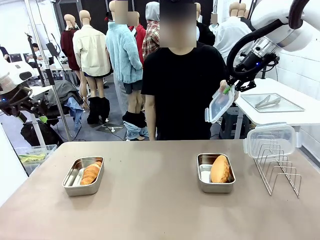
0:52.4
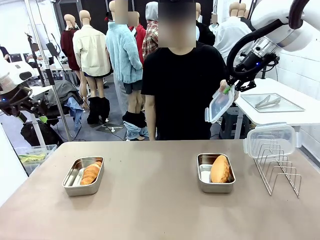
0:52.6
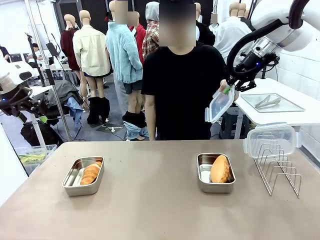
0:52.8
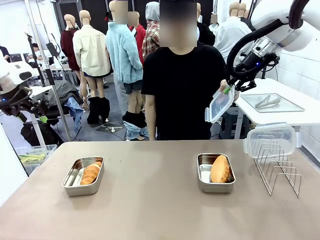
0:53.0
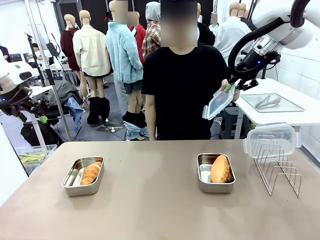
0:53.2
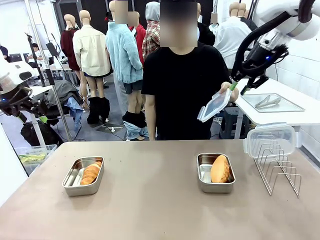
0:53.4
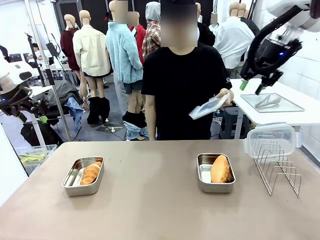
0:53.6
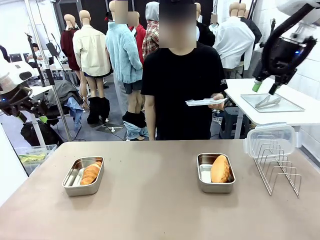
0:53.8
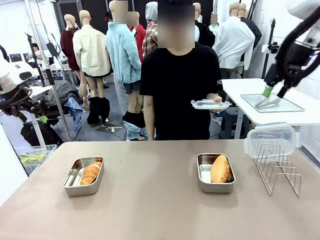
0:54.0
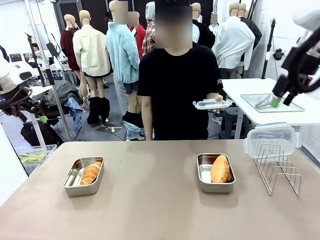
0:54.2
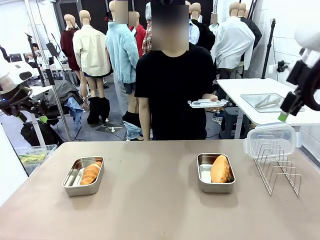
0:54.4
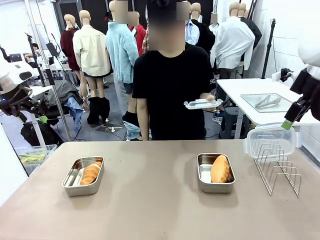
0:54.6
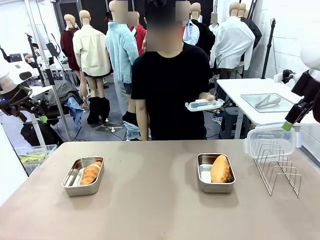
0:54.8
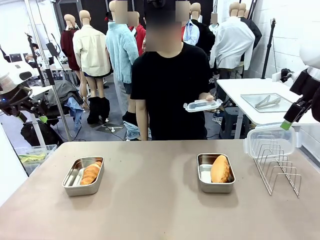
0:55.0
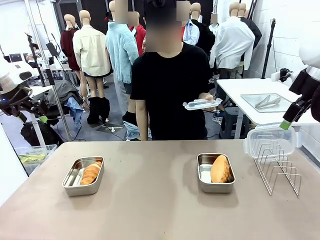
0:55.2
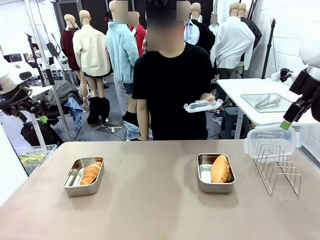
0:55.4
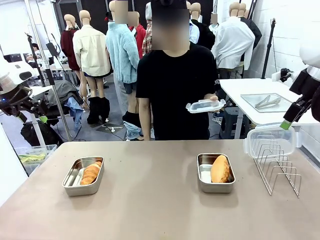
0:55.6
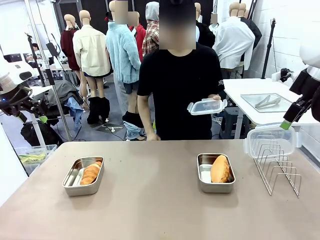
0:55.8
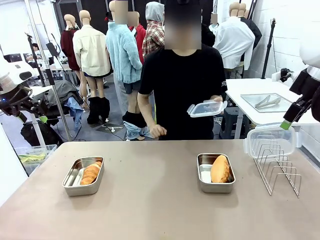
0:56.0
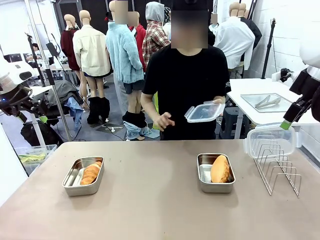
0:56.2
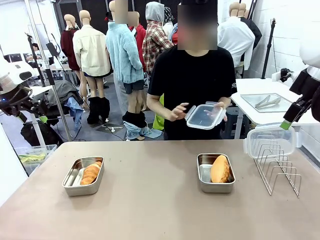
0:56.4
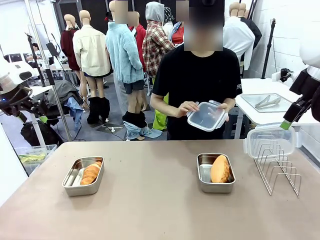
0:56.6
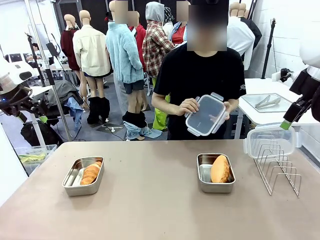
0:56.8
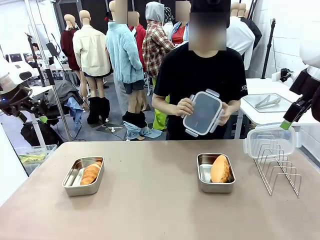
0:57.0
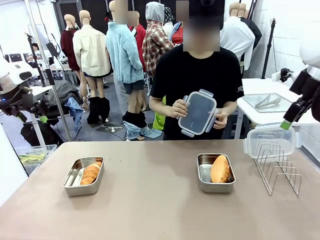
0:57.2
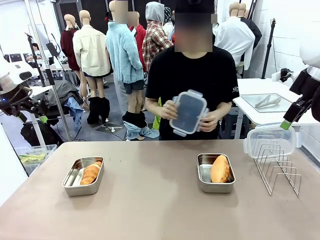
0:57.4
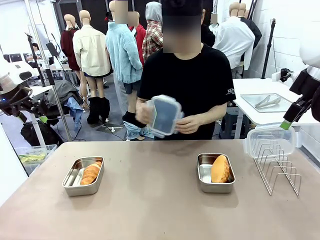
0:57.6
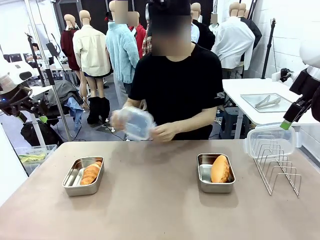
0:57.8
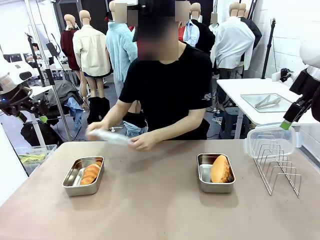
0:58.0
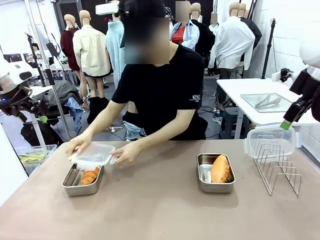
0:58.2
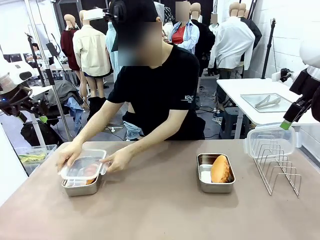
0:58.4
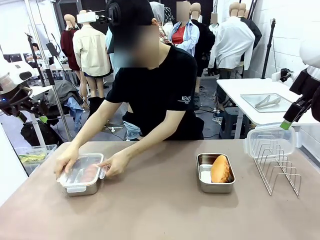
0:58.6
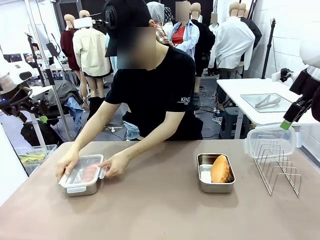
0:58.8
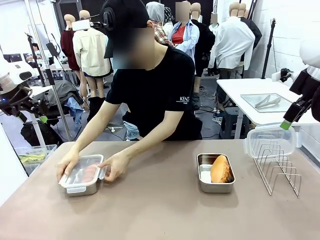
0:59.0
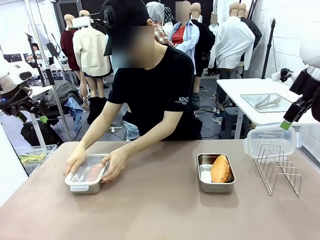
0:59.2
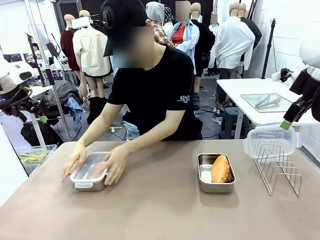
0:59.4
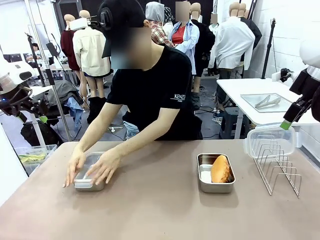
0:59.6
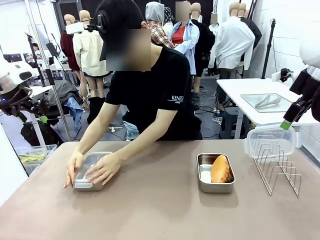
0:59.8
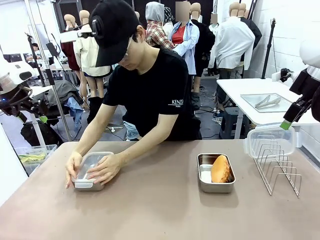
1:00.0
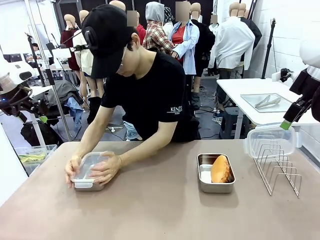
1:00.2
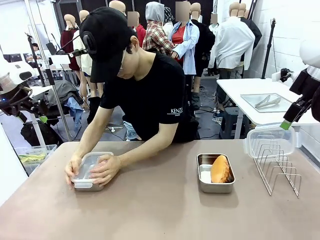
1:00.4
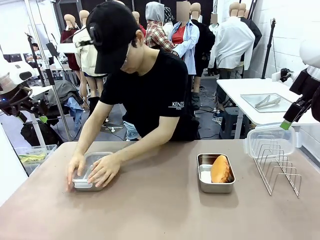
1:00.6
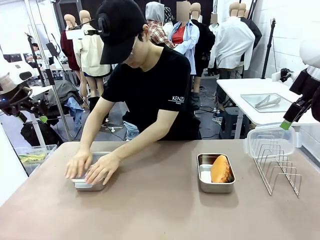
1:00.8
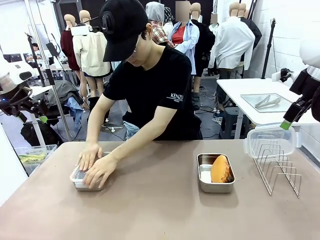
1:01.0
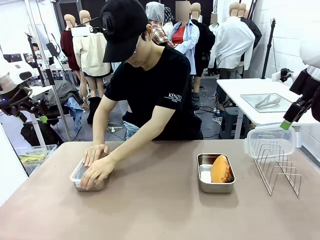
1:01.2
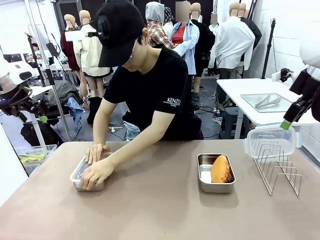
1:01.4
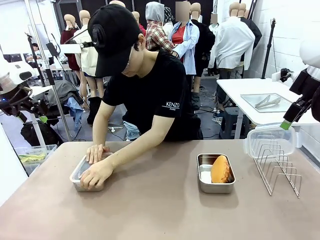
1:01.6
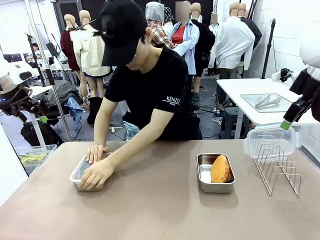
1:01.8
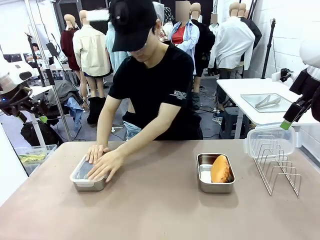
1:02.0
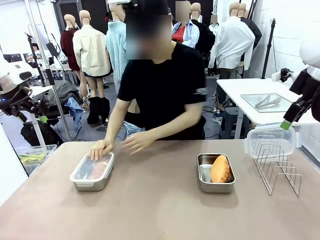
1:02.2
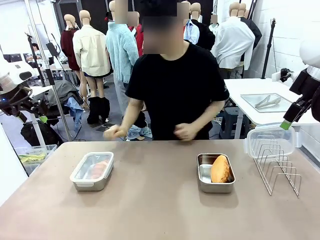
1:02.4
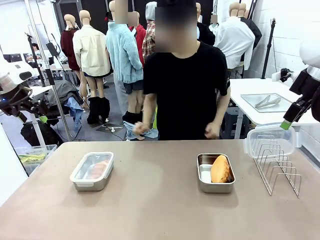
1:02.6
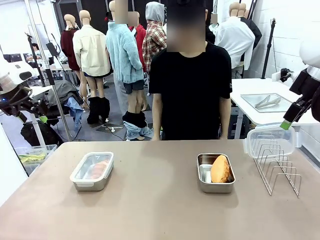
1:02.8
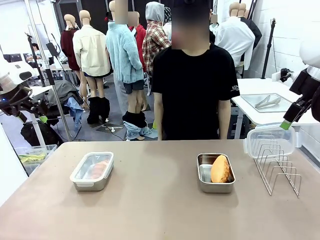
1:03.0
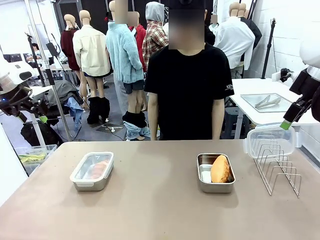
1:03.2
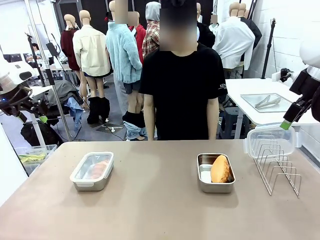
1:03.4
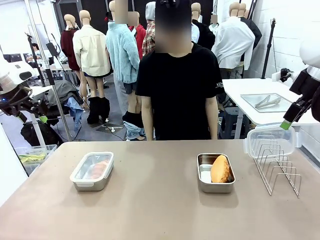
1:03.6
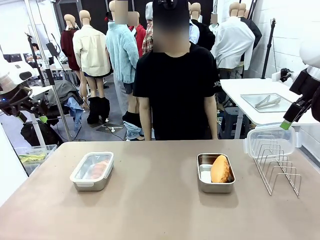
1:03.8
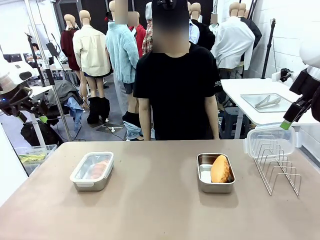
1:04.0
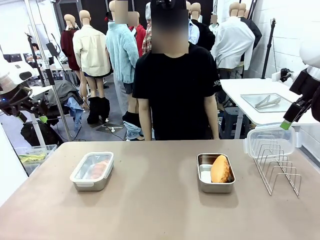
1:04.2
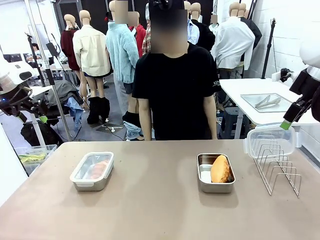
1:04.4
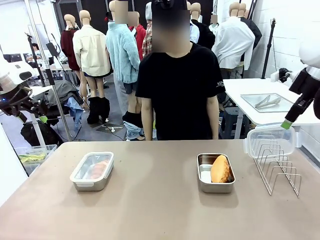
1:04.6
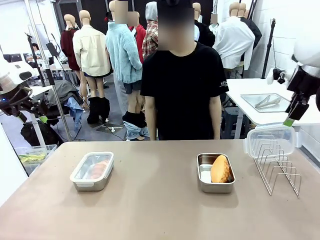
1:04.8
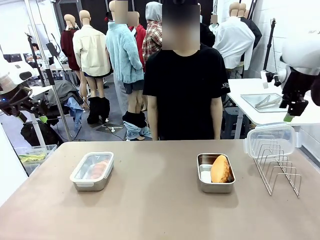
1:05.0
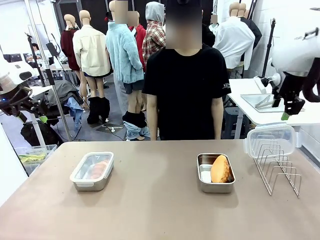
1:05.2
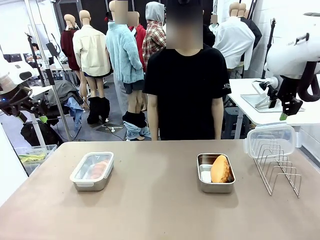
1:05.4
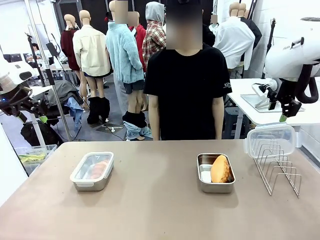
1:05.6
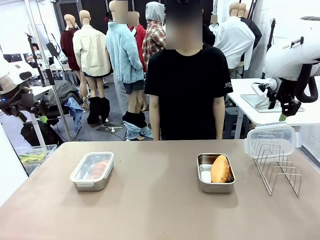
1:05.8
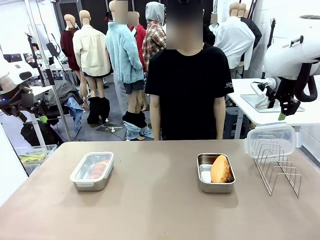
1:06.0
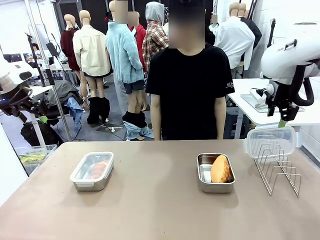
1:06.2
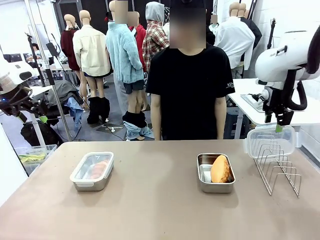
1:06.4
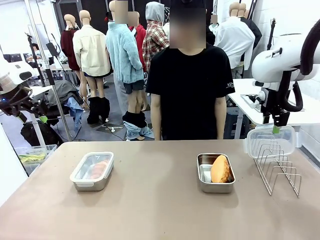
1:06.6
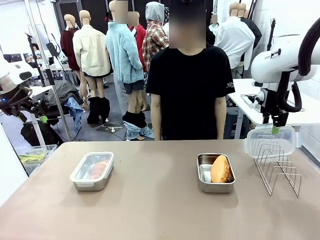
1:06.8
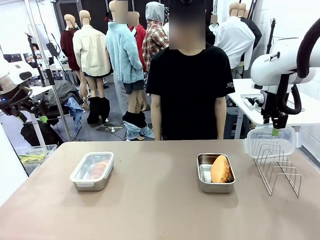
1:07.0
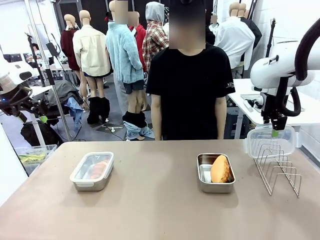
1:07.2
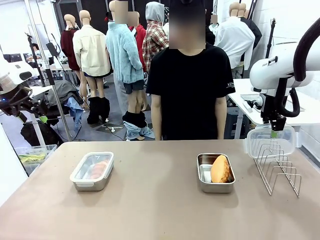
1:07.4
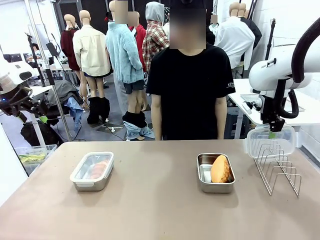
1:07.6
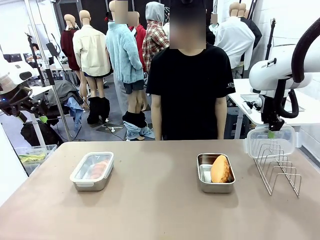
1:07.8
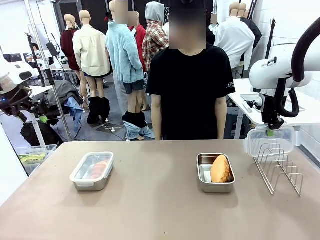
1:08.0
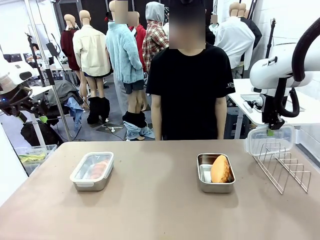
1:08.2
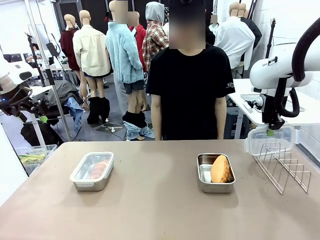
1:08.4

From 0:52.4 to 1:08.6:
Task: Place the bread in airtight containers.
Robot: Pick up one Airtight Container lid and hand it to the human.
Person: Close Airtight Container with a handed Airtight Container lid.
